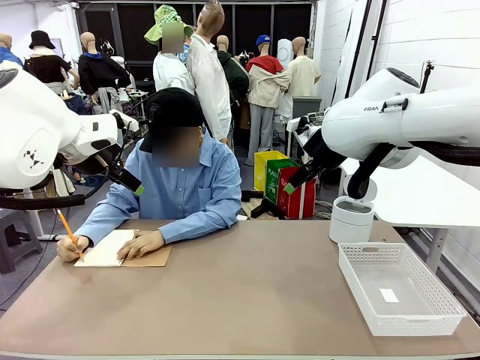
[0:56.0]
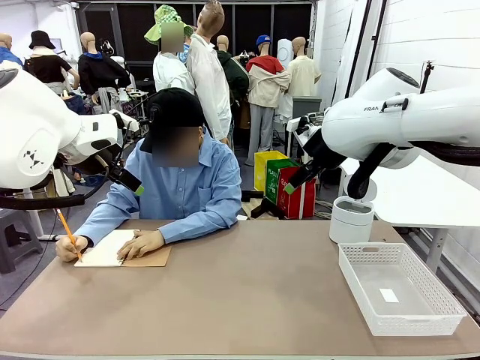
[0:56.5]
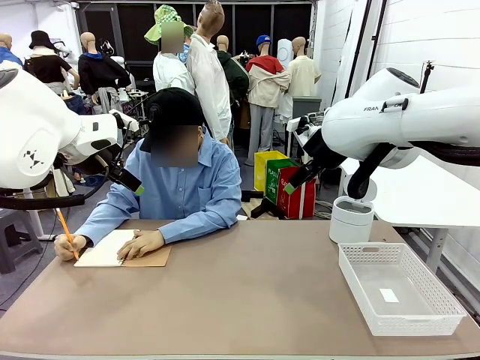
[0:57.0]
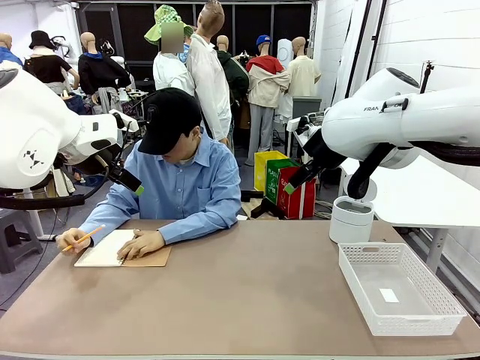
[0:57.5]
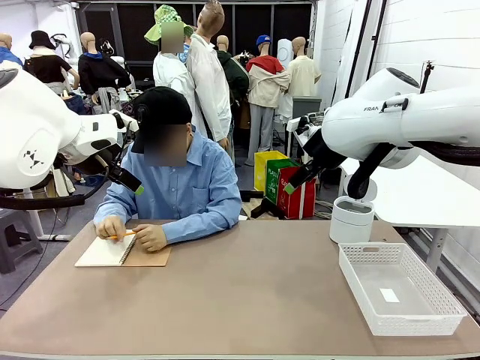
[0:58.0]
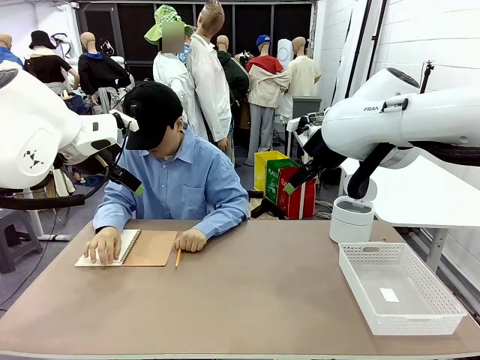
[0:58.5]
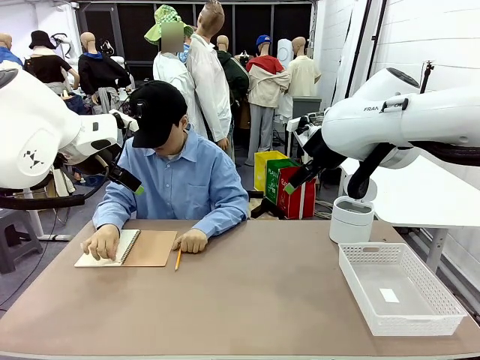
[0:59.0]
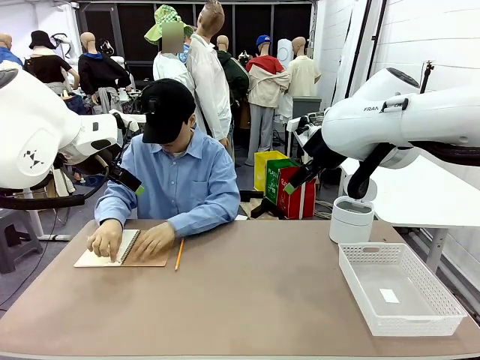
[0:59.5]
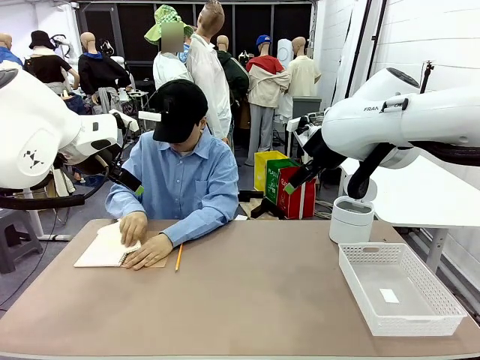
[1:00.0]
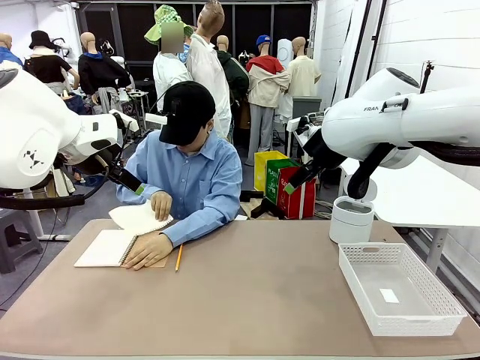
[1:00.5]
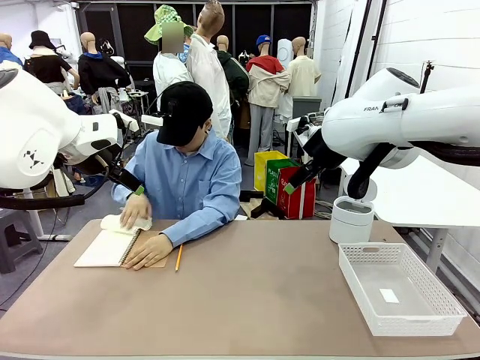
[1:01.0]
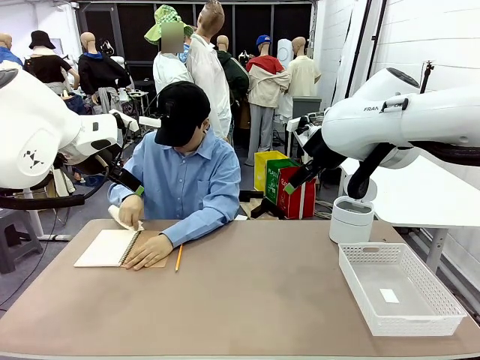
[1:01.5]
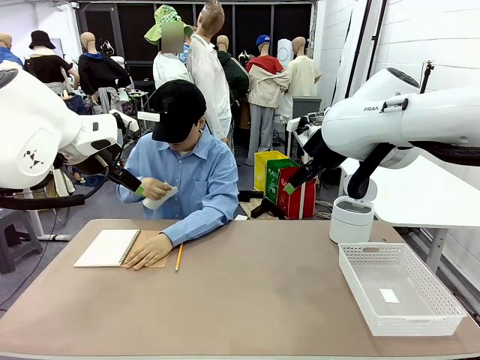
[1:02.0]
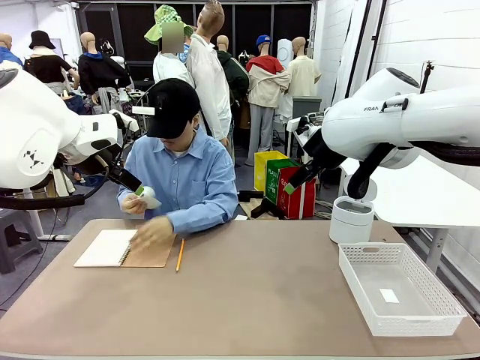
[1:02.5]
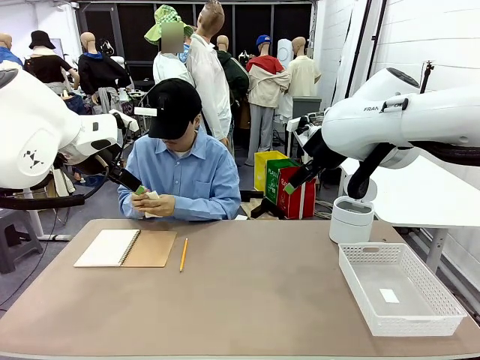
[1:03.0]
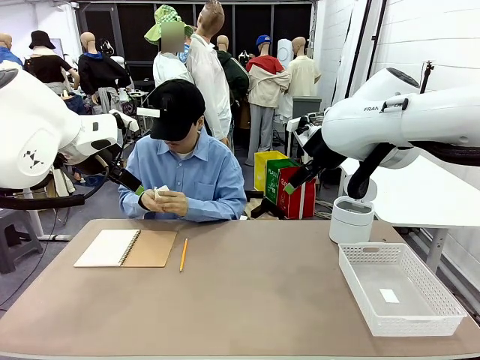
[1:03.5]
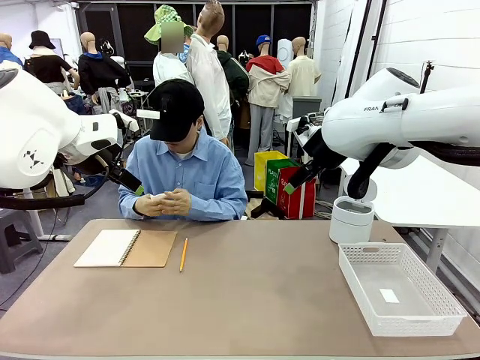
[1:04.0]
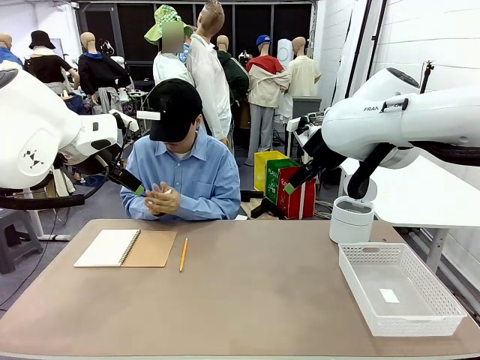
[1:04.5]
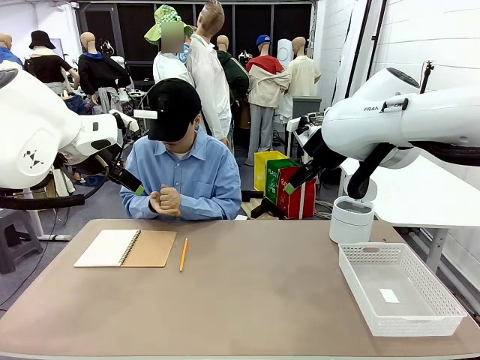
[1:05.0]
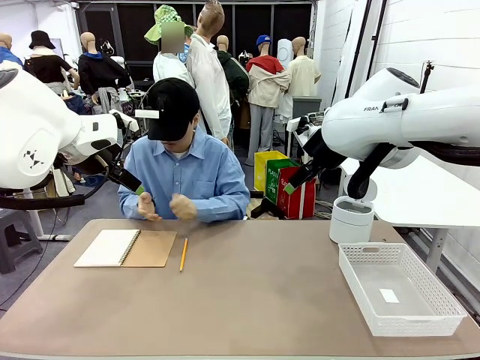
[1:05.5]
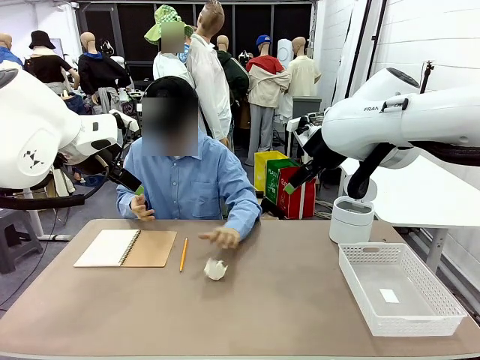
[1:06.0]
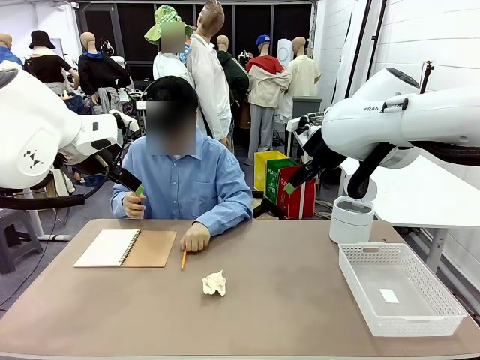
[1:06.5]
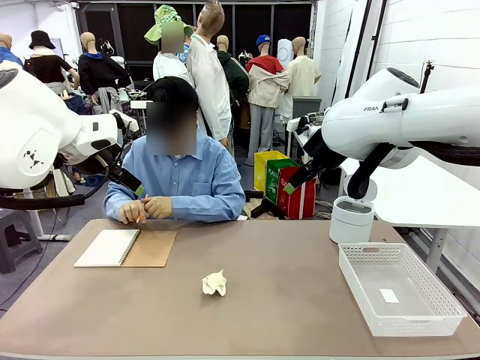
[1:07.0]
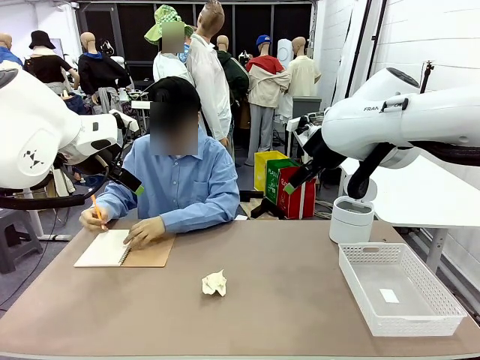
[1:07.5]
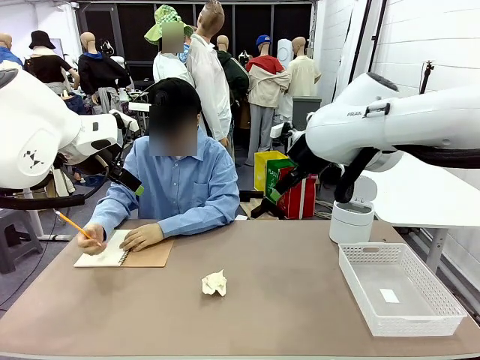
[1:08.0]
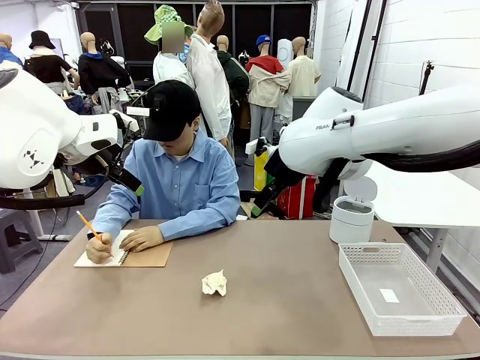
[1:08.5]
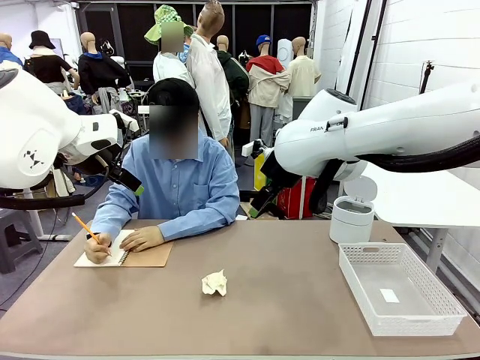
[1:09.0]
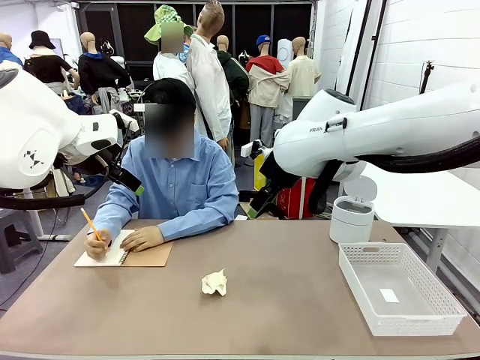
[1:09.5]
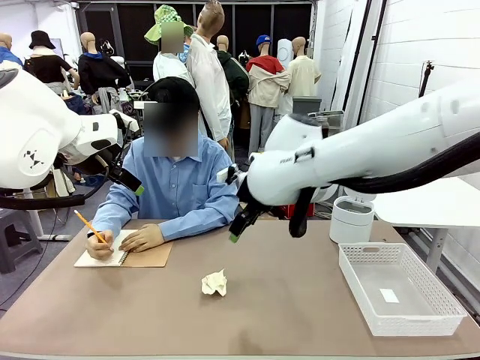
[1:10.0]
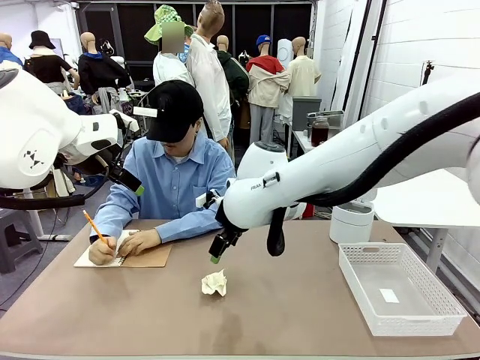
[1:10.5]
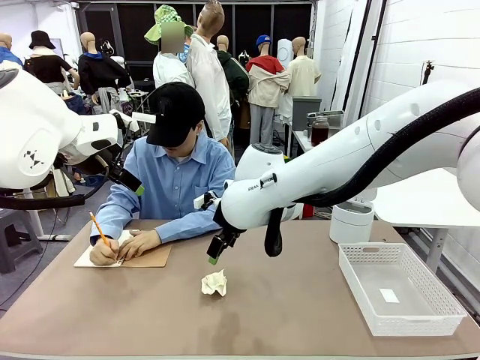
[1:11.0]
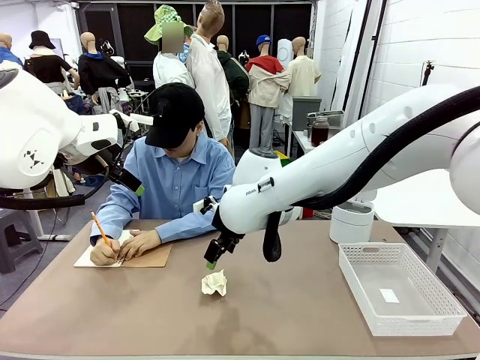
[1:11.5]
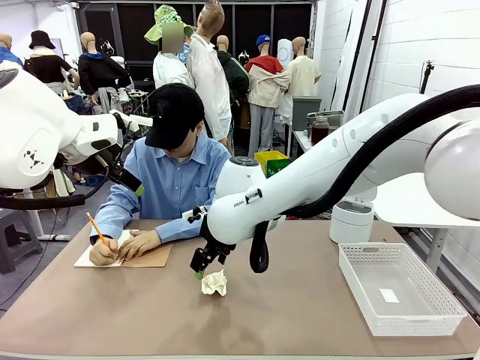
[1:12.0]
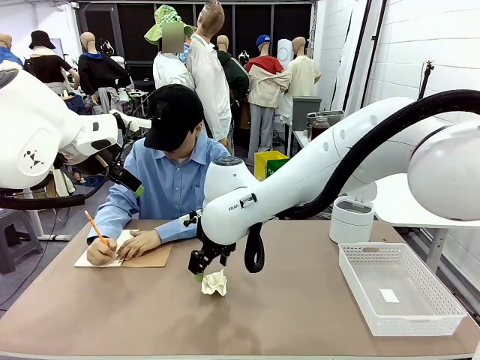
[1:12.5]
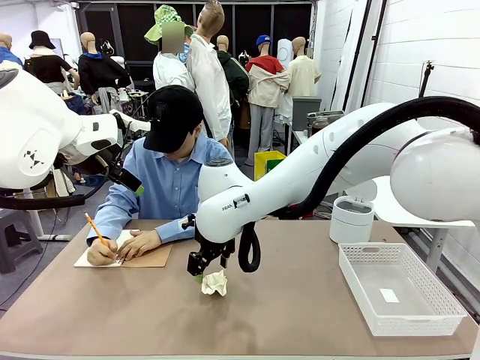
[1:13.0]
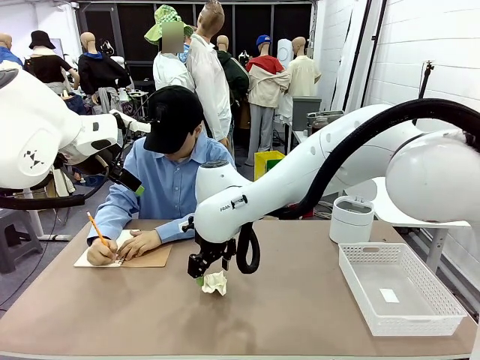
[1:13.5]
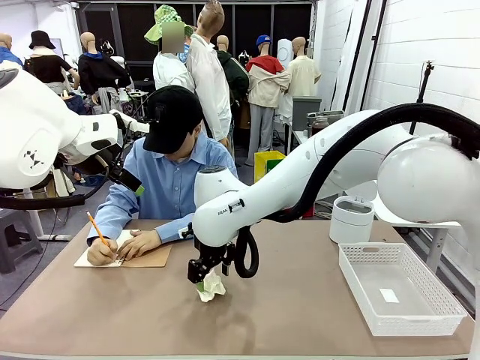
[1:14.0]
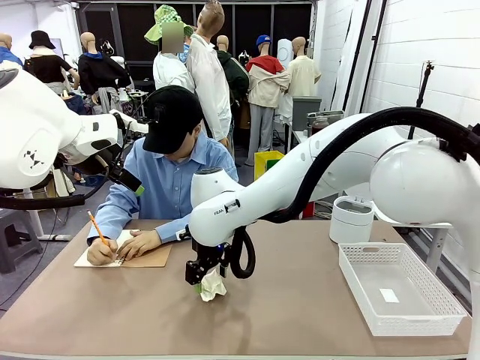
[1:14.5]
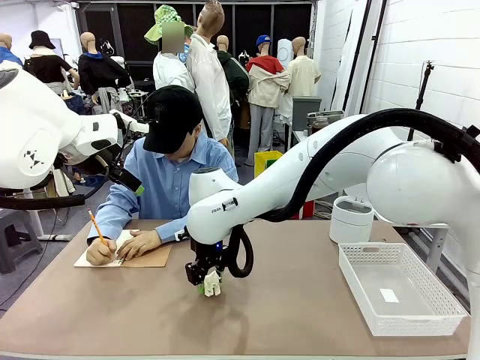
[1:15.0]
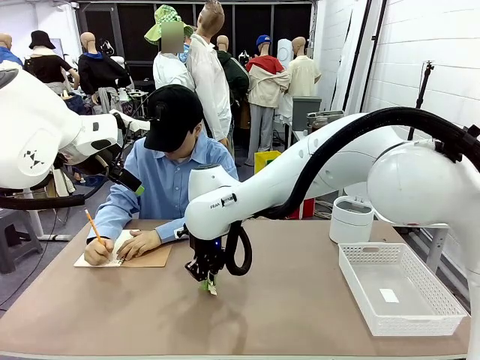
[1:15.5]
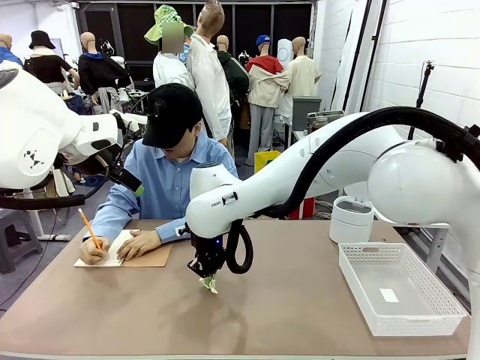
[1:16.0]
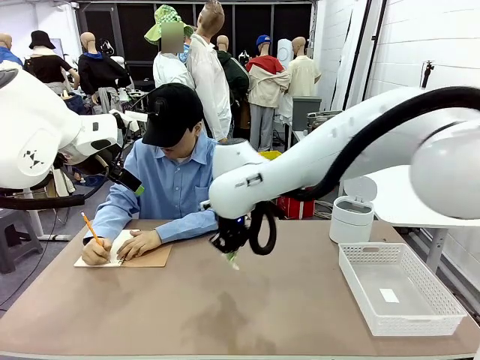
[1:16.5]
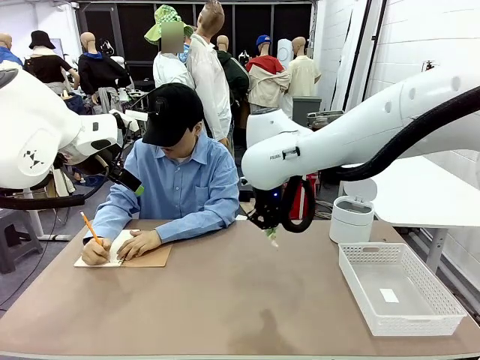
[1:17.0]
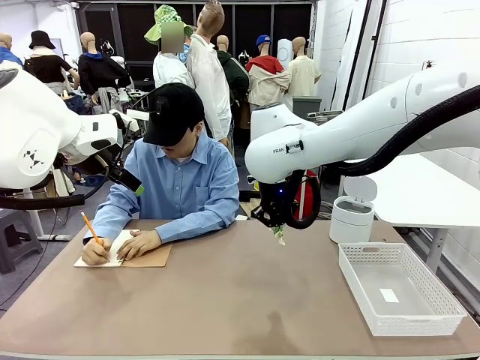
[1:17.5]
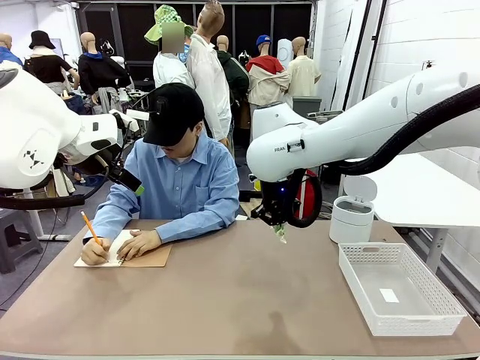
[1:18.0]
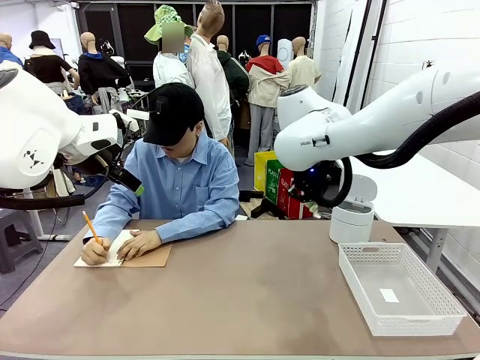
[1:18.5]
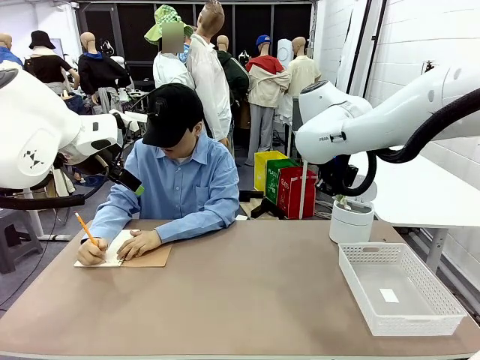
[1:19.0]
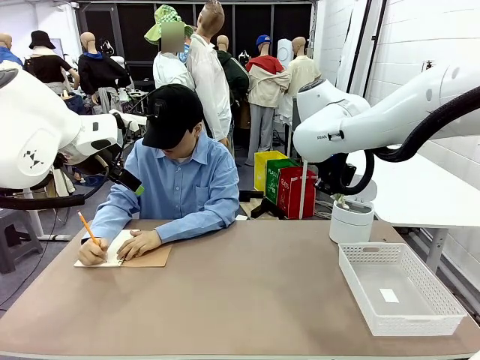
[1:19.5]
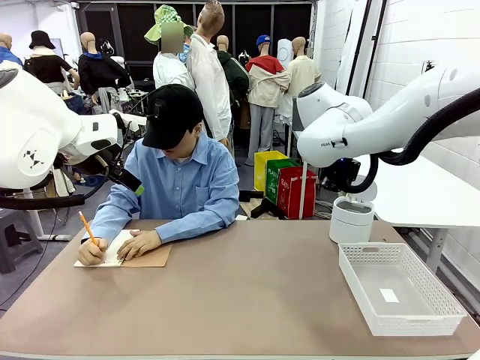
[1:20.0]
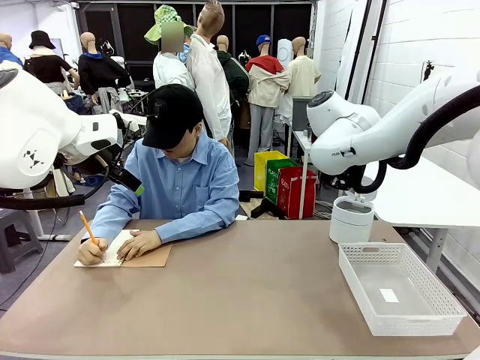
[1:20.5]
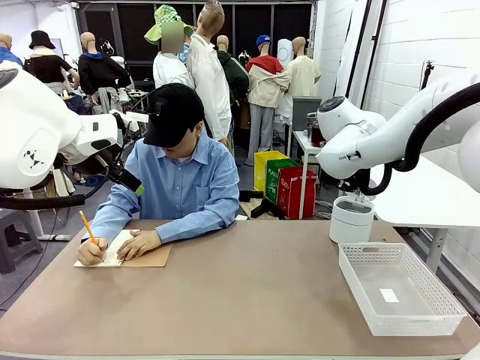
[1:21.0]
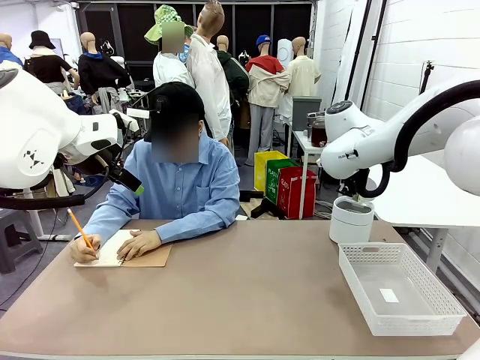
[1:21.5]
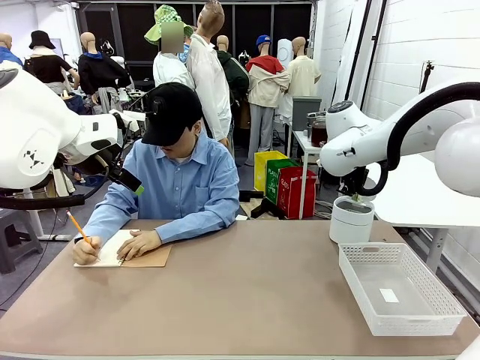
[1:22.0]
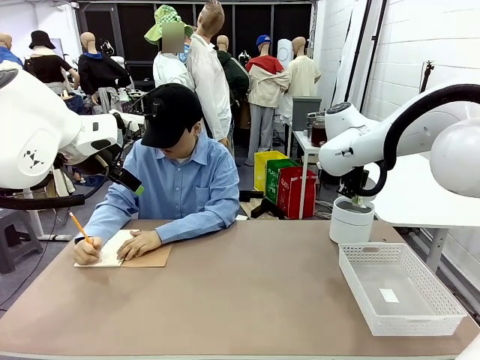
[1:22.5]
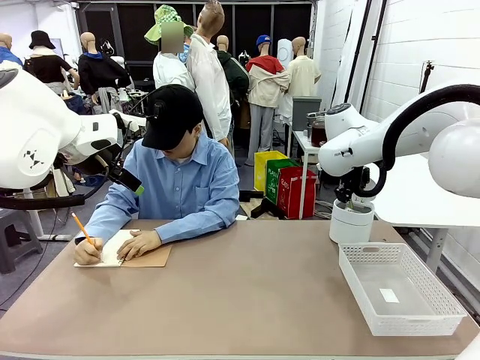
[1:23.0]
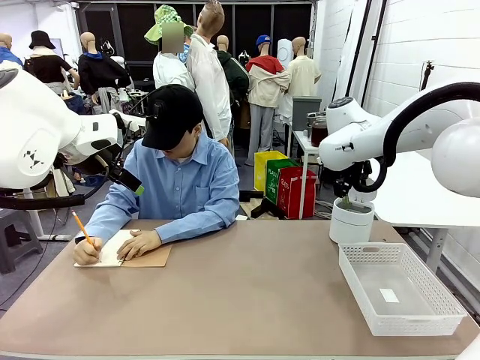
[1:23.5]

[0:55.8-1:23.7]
Task: Sort the paper based on its condition.
Robot: If a person hands you a paper, place it in the Organizing basket , and if it's crumpled, put it in the Trash can.
Person: Hand the torn page to the robot or crumple it and throw it to the center of the table. Tear out a page from the spiral notebook.
